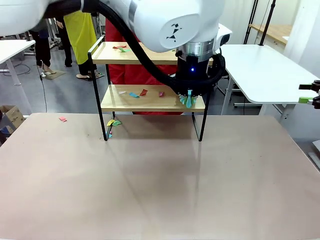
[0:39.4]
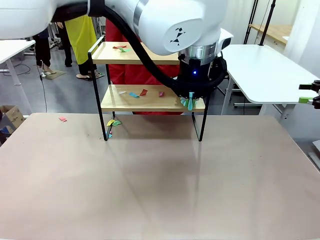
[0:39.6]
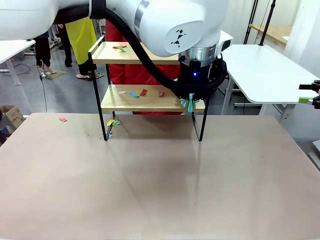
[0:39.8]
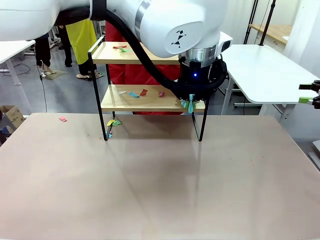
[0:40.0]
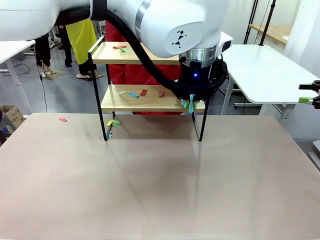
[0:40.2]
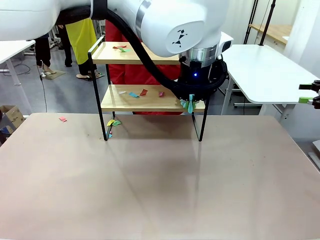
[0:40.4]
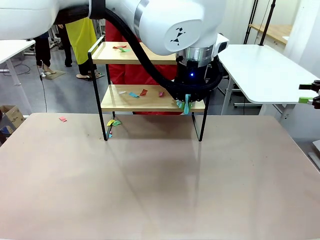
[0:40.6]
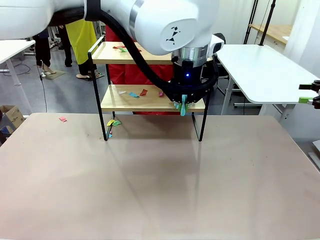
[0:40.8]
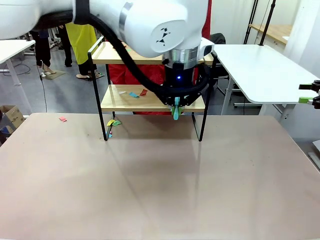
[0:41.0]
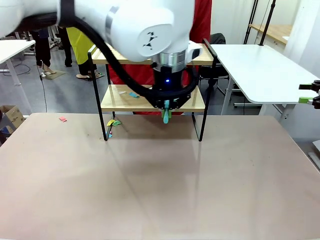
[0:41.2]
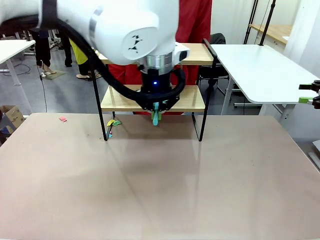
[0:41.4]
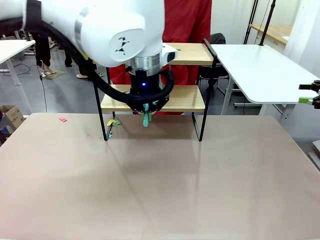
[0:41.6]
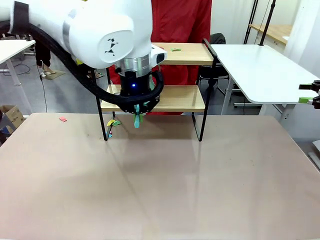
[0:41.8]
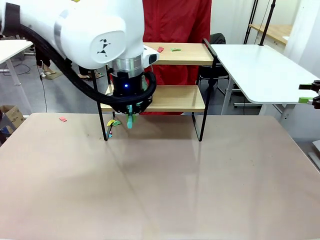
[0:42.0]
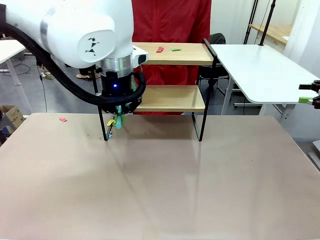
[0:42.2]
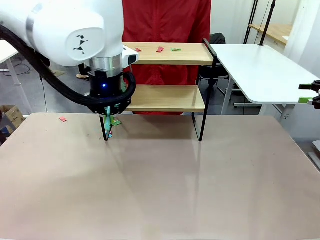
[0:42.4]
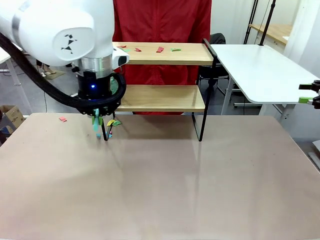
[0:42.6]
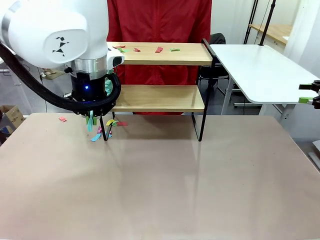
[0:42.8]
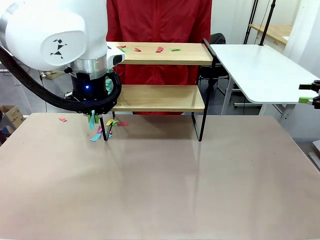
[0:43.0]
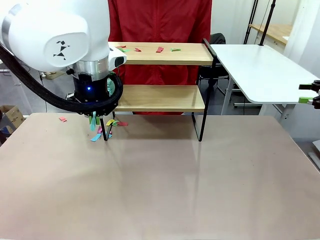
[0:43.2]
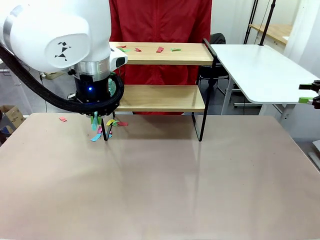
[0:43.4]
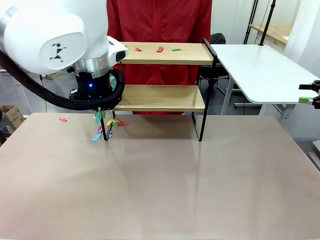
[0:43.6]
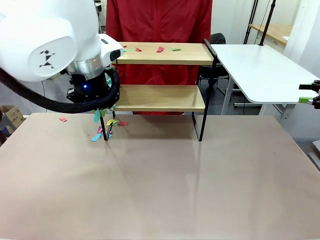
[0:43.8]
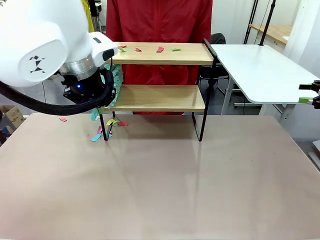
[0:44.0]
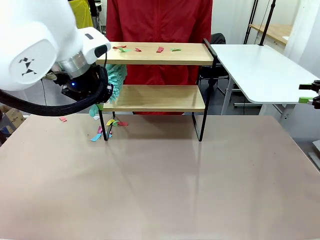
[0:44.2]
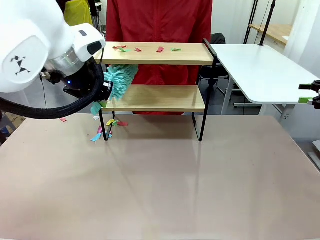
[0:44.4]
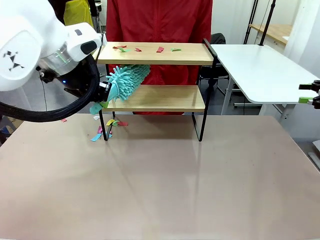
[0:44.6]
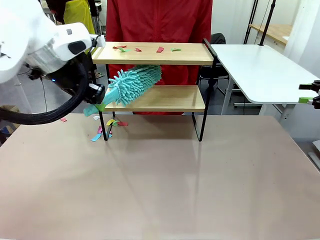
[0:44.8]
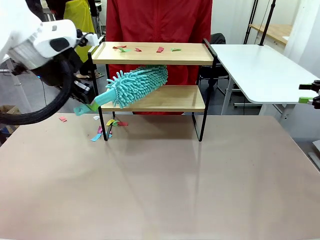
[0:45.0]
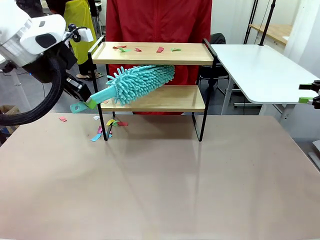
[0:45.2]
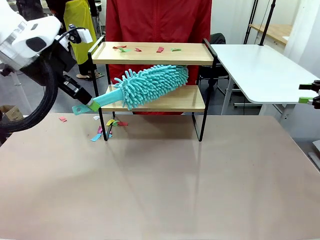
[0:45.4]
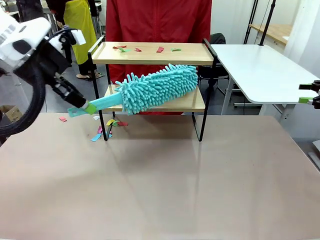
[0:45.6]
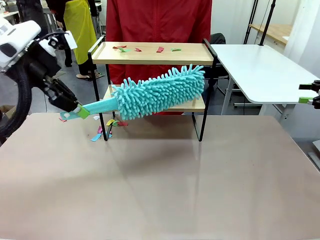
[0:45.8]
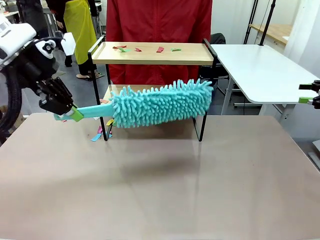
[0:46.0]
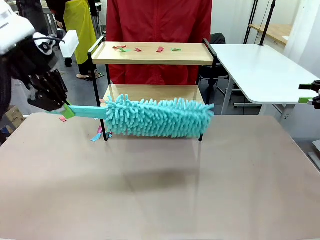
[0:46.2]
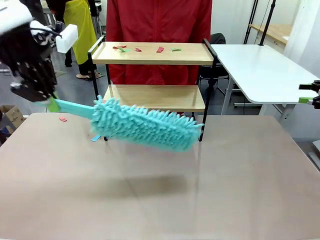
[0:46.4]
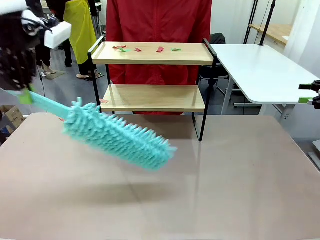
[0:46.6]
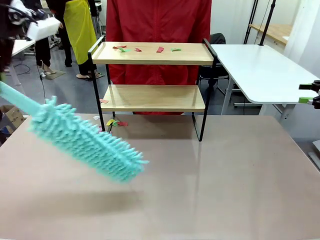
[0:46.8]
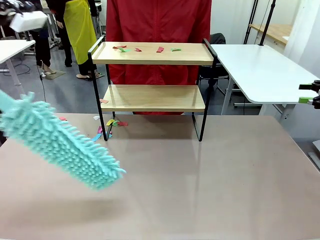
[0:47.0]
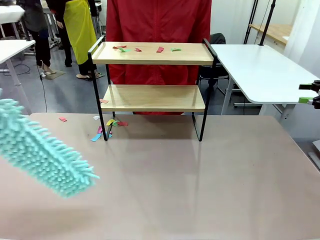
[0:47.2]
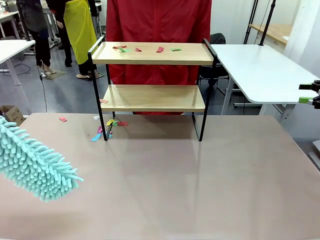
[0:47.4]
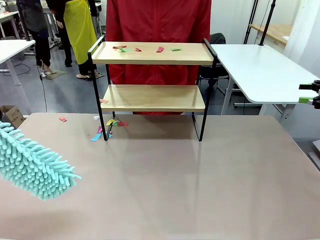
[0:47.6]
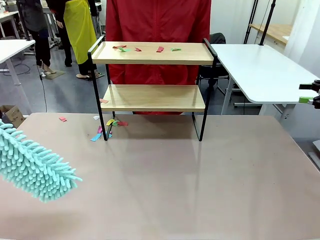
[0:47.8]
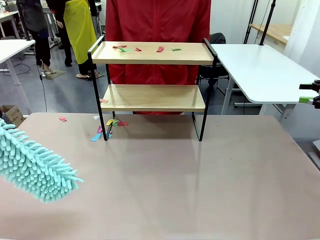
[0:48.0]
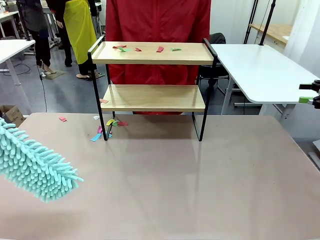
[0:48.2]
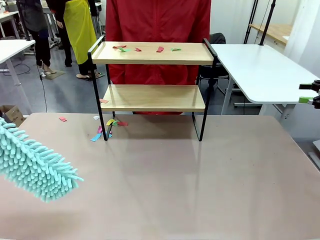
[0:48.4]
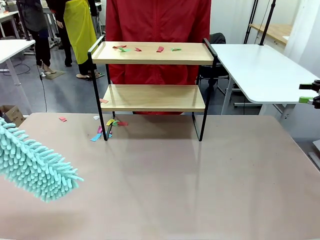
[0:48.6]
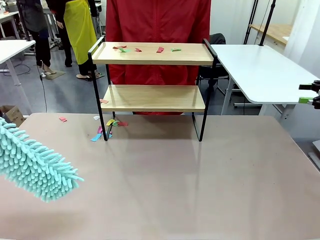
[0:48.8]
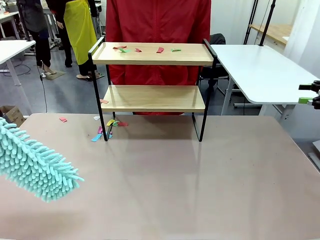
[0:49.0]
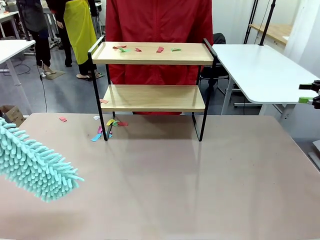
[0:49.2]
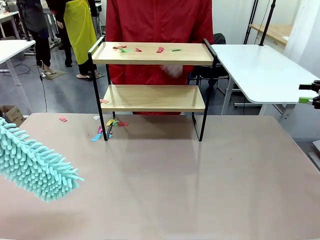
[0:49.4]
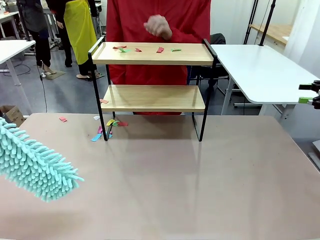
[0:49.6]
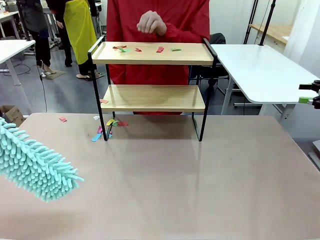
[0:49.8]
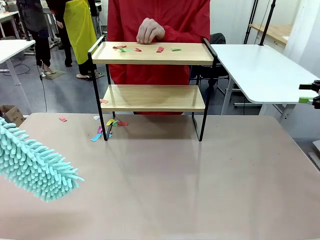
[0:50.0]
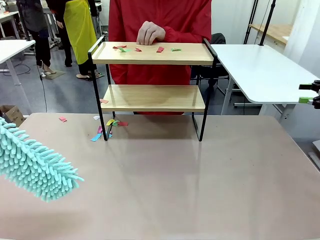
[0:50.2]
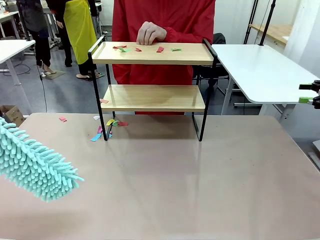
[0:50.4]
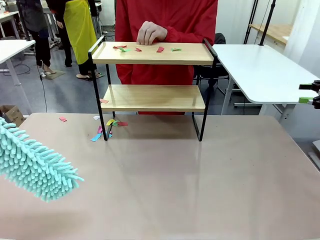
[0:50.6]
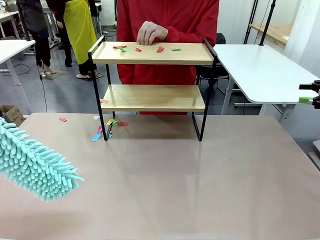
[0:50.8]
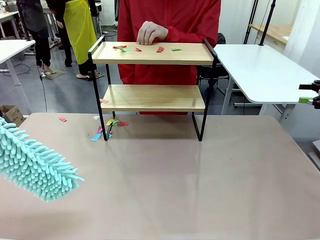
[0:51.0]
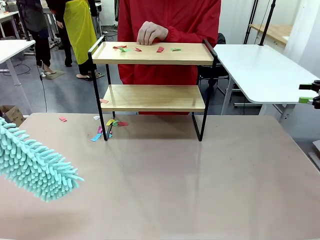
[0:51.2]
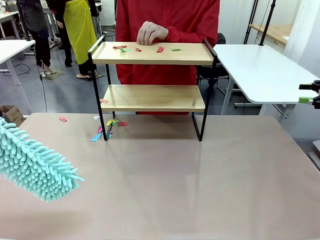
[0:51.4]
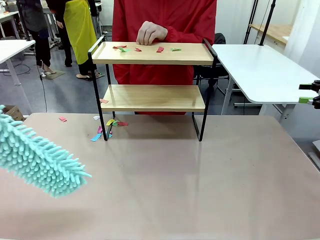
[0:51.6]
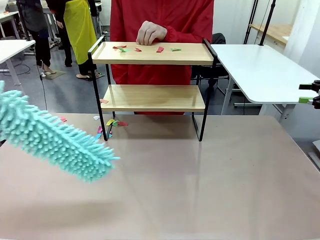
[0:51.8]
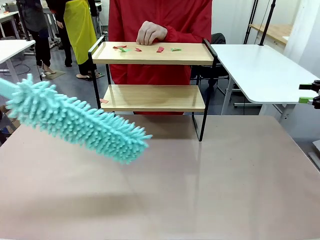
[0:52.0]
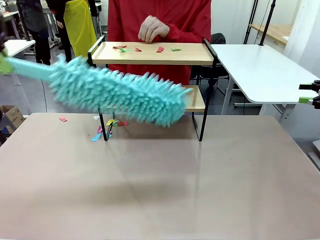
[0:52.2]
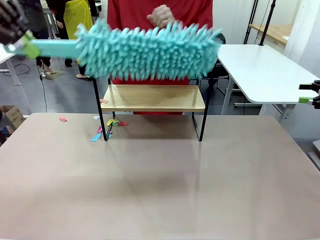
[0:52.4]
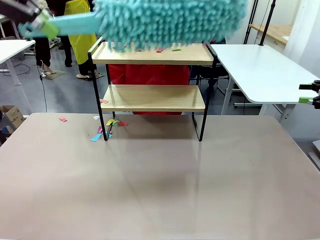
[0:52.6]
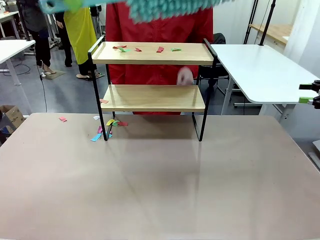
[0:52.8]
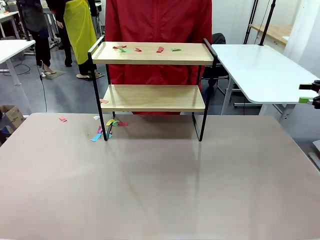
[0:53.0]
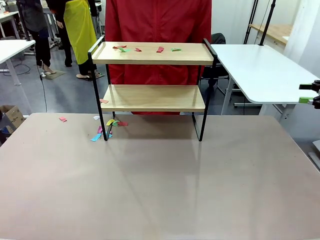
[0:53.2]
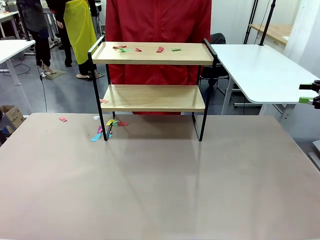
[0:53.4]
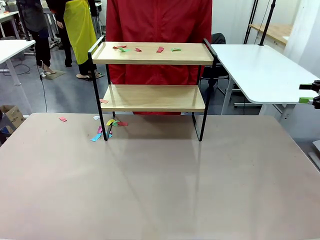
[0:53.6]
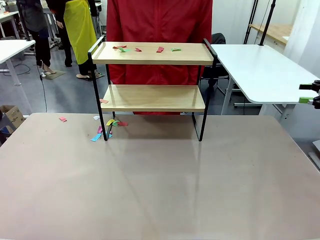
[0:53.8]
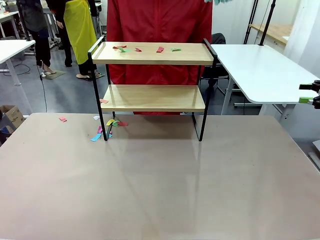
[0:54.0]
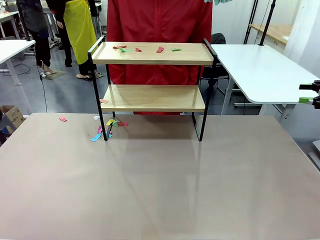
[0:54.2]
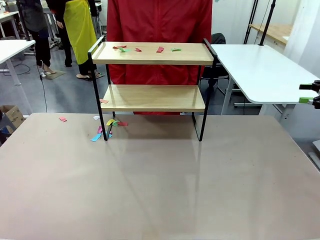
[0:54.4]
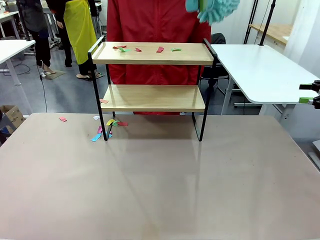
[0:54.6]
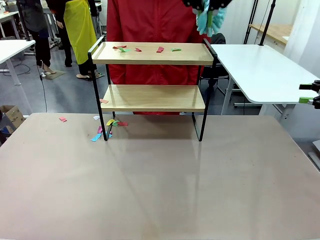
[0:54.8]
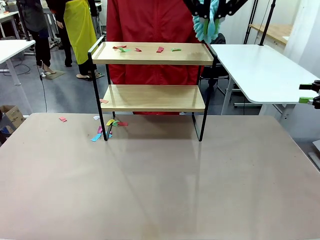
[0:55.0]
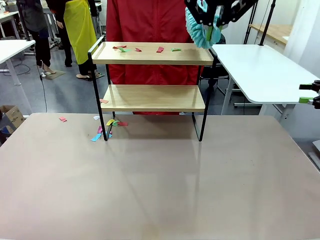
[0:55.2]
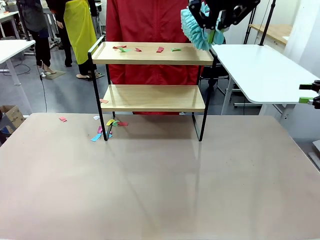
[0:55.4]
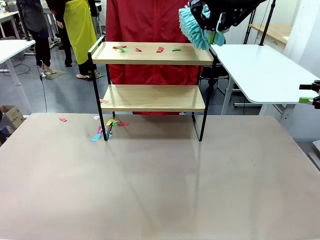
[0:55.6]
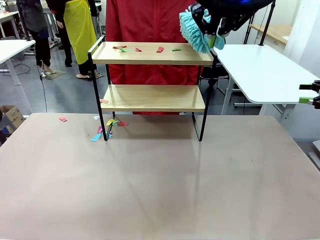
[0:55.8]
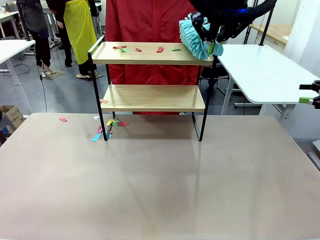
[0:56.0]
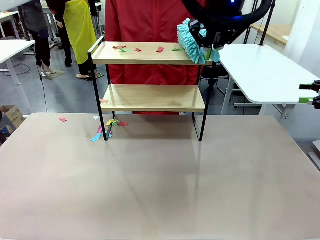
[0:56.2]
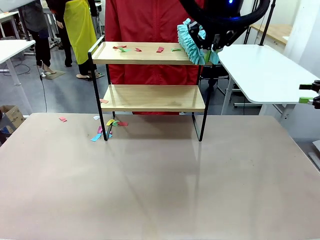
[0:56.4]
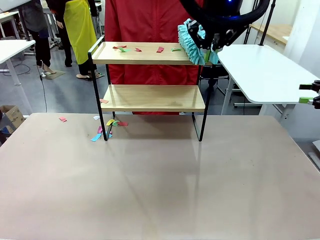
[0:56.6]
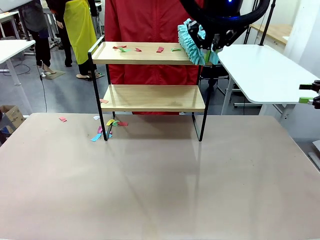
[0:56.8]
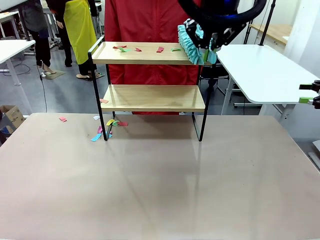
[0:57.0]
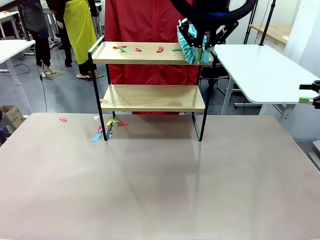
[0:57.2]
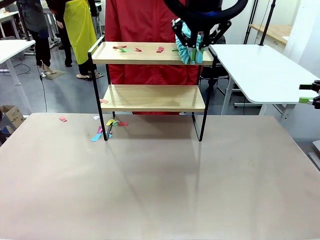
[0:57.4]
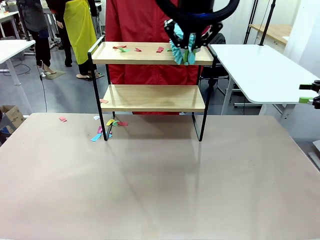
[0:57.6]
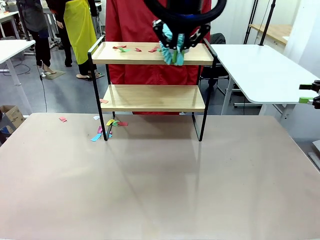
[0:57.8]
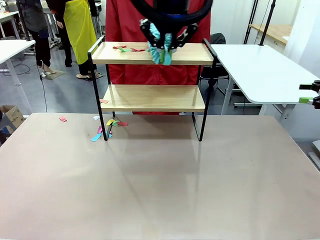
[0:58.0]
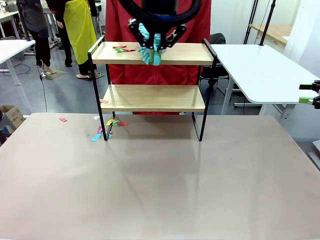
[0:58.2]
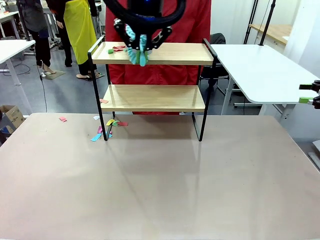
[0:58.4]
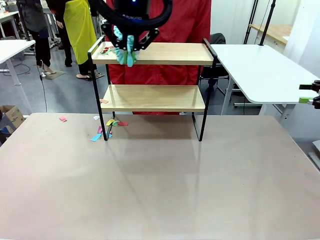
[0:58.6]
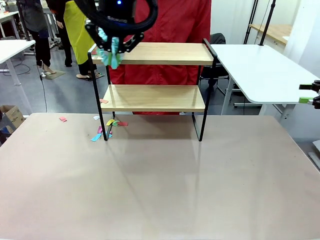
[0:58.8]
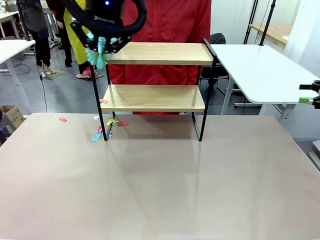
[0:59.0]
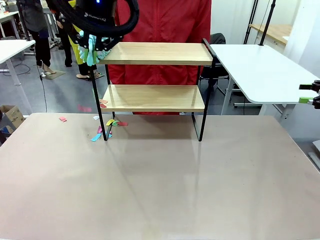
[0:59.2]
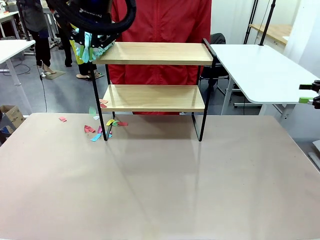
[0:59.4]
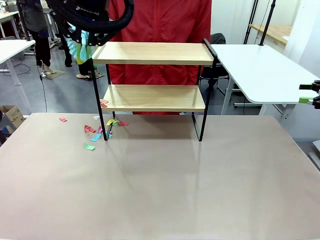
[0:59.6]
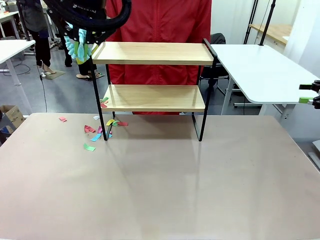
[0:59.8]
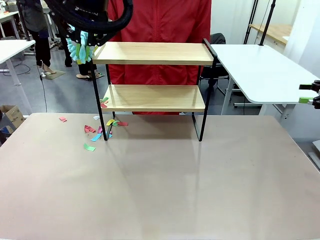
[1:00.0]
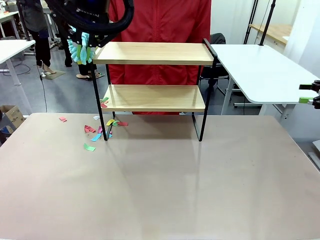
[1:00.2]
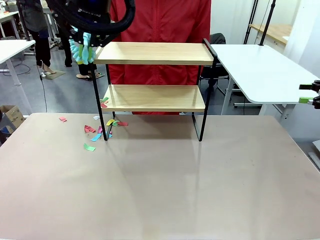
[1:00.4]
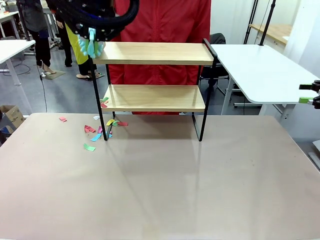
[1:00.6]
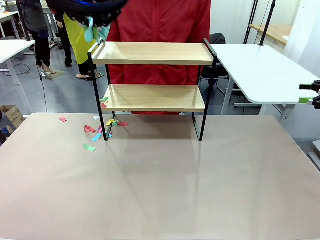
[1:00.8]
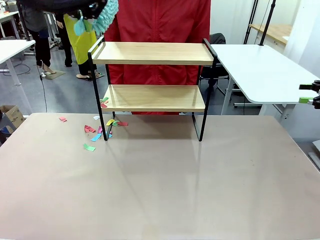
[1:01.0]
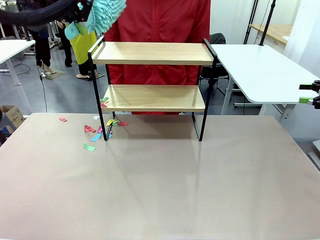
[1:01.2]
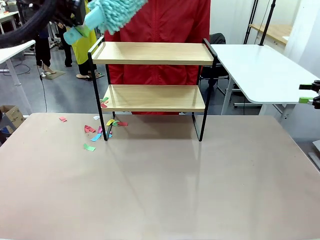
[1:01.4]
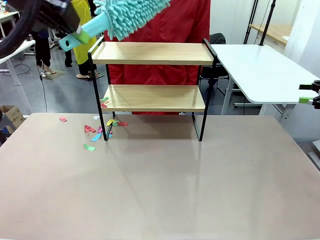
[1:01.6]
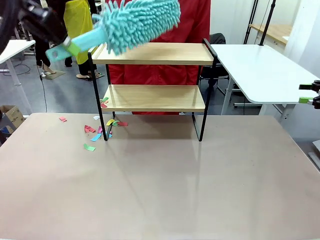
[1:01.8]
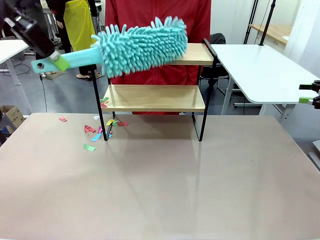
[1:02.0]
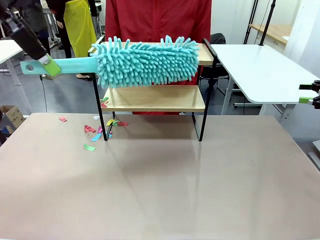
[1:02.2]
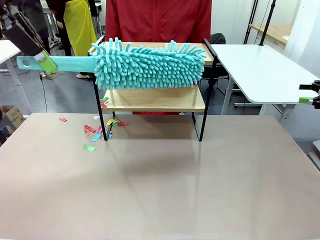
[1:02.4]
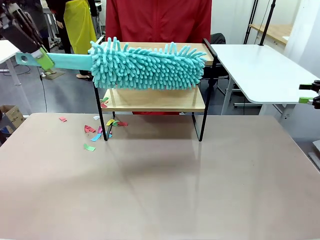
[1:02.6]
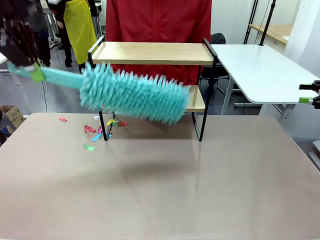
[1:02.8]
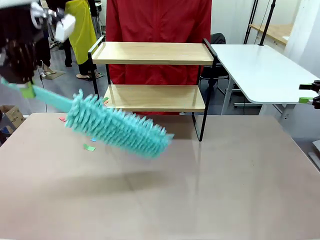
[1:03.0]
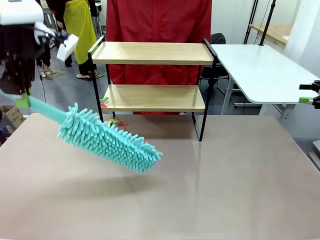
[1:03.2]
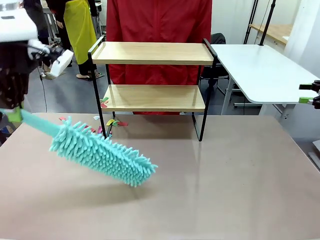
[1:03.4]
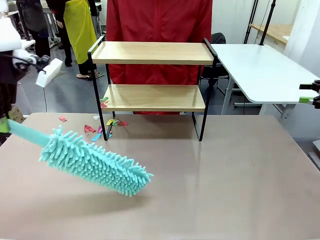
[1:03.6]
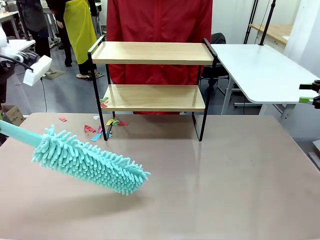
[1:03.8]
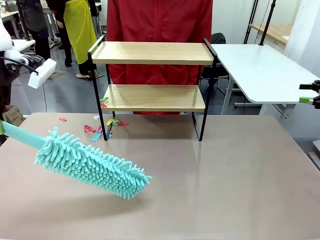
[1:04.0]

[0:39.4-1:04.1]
Task: Clean the shelf.
Robot: Clean the specific section of the Shelf indicated by the human with the Duster.
Person: Point a remaining section of the Shelf.
